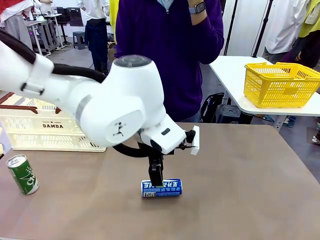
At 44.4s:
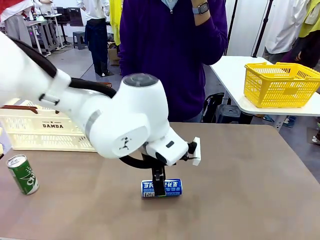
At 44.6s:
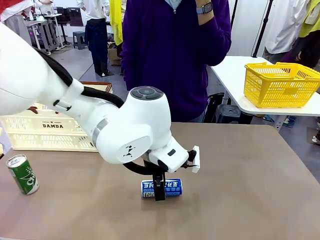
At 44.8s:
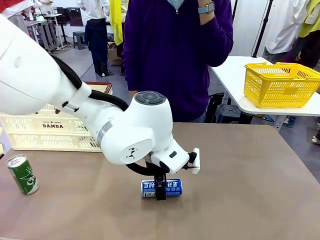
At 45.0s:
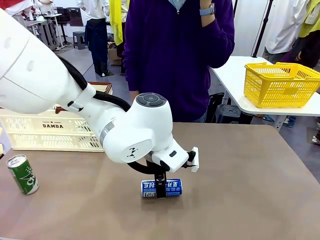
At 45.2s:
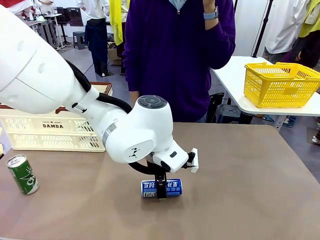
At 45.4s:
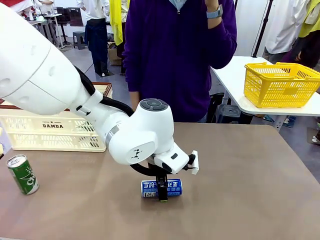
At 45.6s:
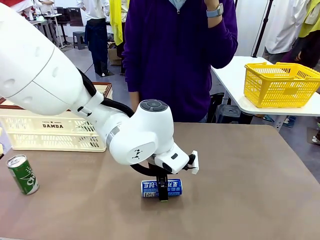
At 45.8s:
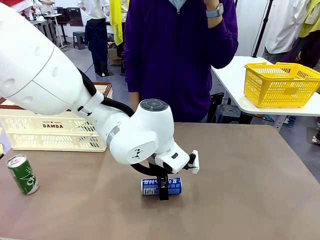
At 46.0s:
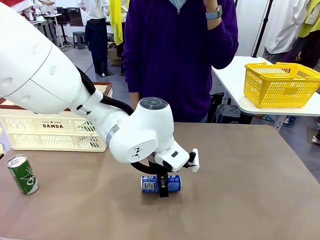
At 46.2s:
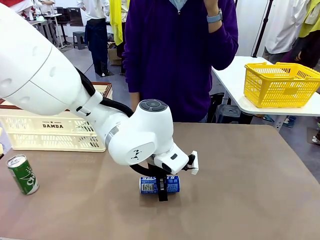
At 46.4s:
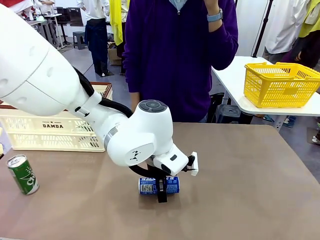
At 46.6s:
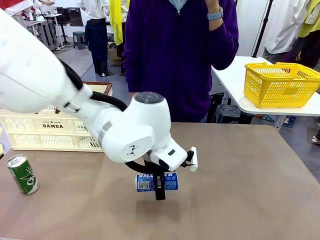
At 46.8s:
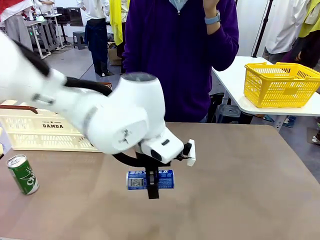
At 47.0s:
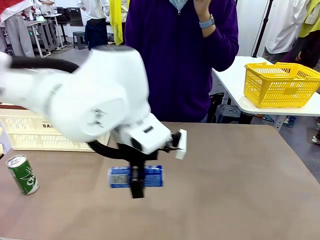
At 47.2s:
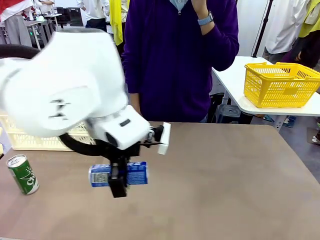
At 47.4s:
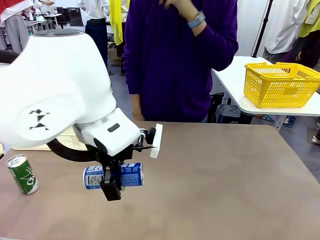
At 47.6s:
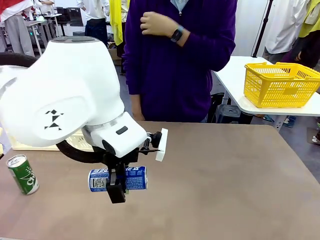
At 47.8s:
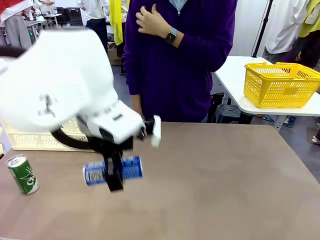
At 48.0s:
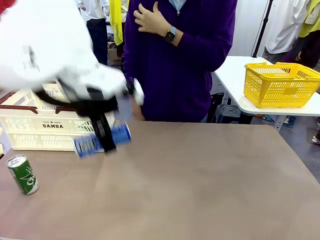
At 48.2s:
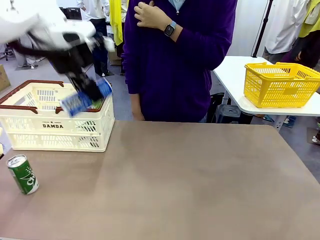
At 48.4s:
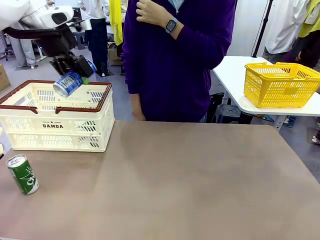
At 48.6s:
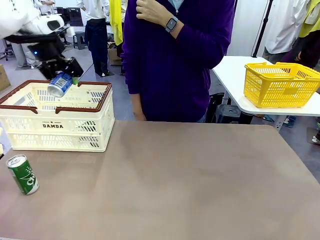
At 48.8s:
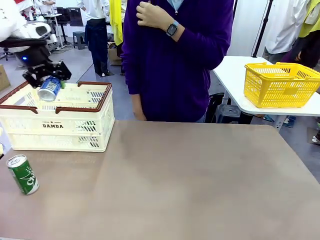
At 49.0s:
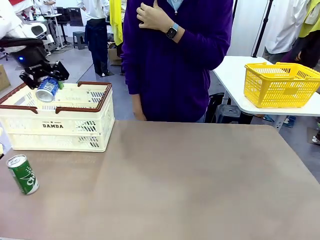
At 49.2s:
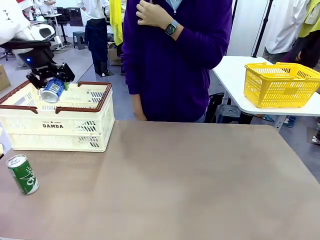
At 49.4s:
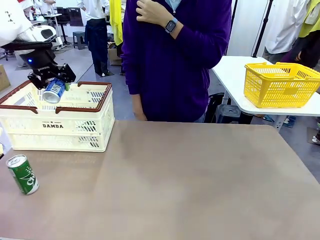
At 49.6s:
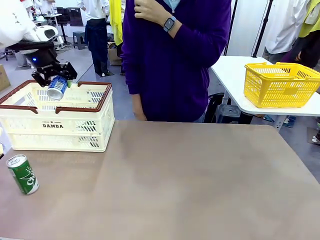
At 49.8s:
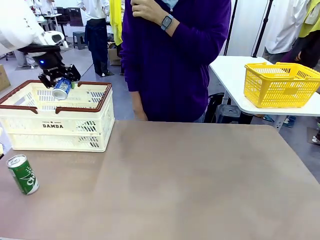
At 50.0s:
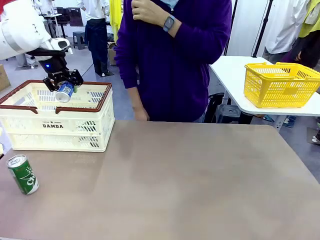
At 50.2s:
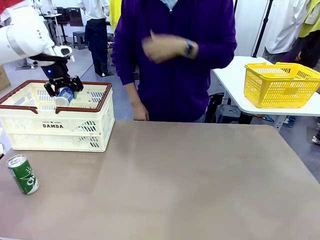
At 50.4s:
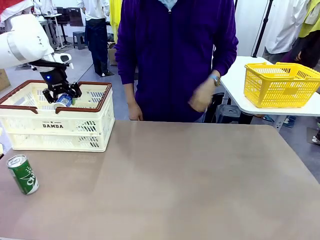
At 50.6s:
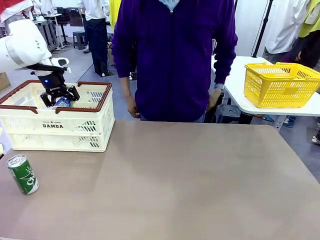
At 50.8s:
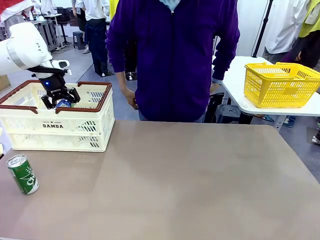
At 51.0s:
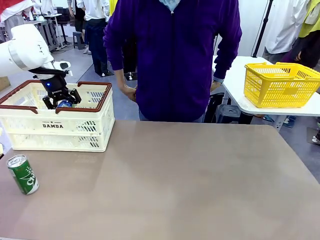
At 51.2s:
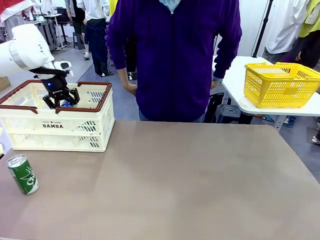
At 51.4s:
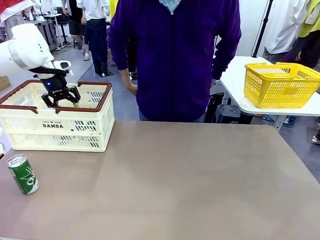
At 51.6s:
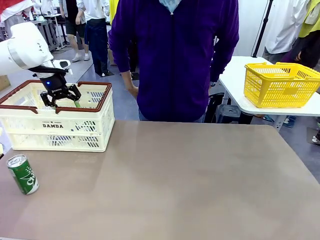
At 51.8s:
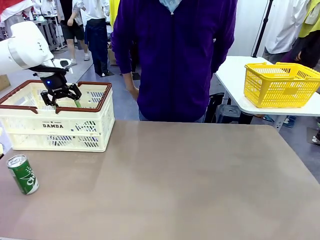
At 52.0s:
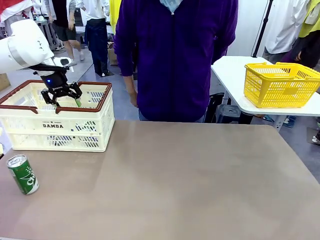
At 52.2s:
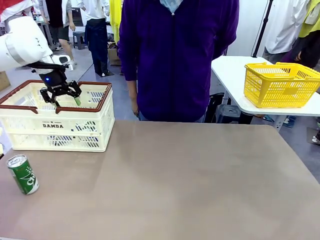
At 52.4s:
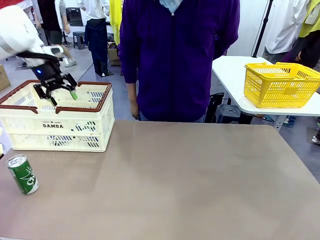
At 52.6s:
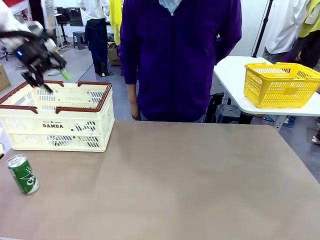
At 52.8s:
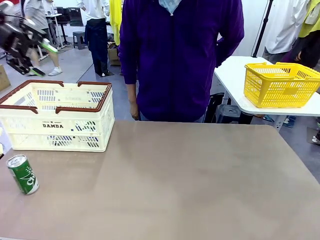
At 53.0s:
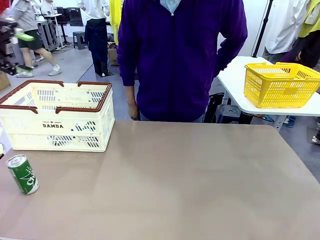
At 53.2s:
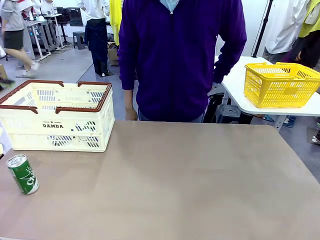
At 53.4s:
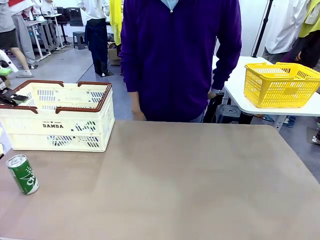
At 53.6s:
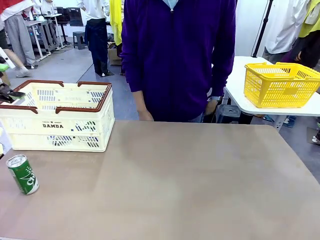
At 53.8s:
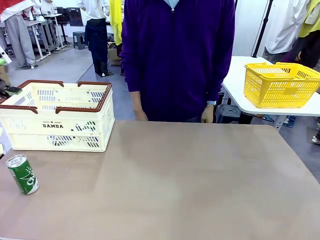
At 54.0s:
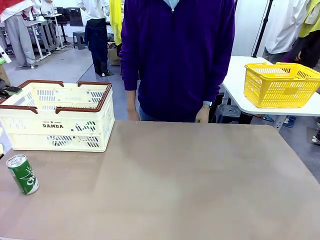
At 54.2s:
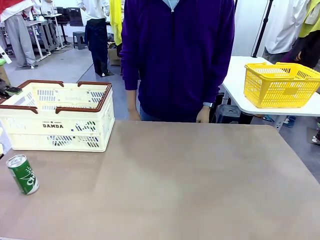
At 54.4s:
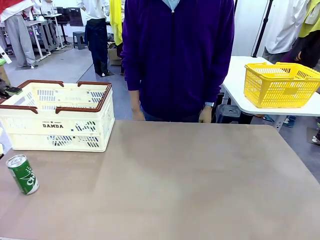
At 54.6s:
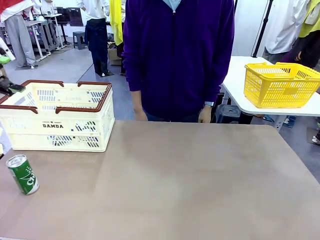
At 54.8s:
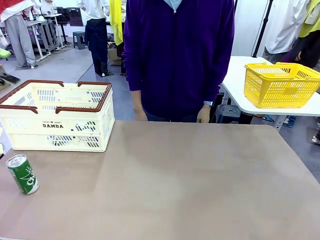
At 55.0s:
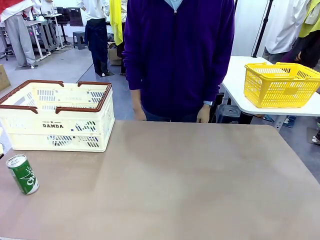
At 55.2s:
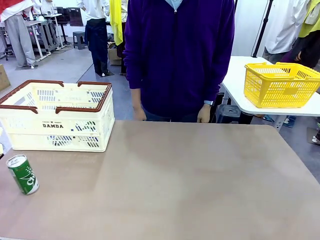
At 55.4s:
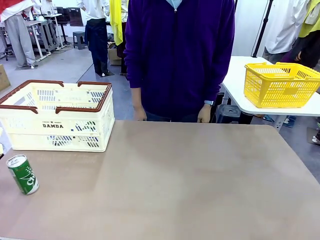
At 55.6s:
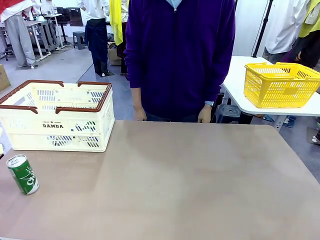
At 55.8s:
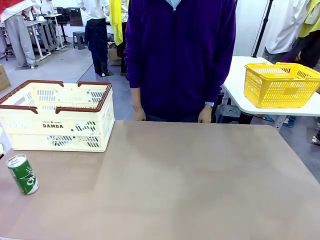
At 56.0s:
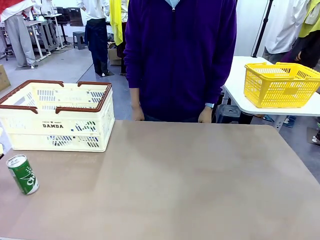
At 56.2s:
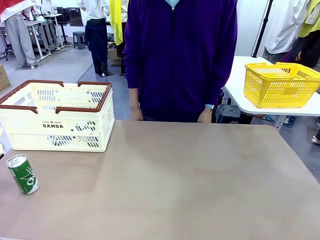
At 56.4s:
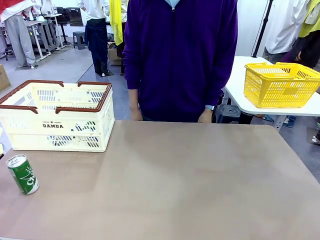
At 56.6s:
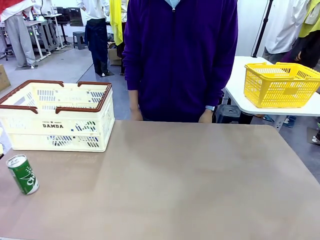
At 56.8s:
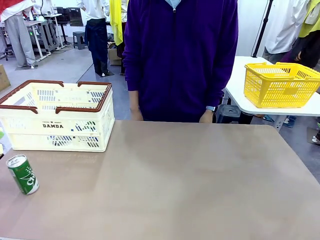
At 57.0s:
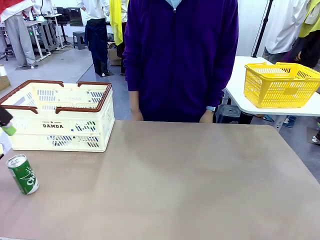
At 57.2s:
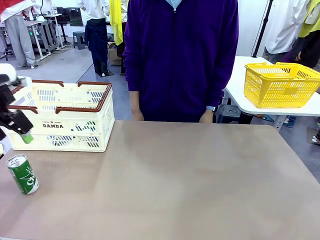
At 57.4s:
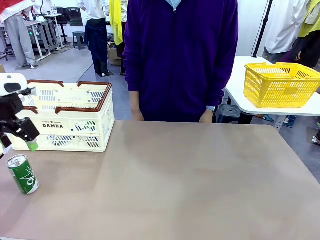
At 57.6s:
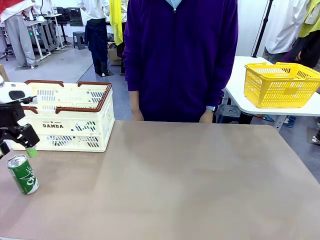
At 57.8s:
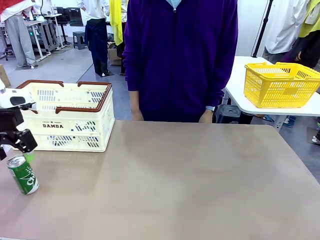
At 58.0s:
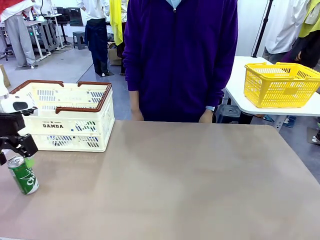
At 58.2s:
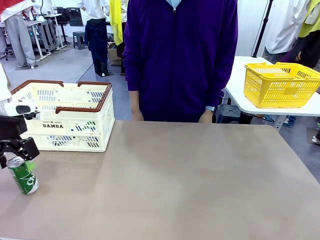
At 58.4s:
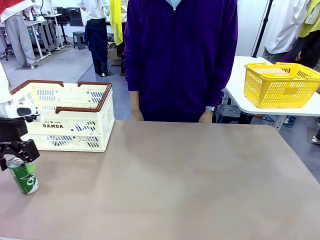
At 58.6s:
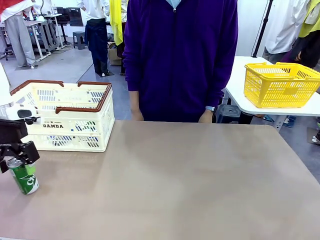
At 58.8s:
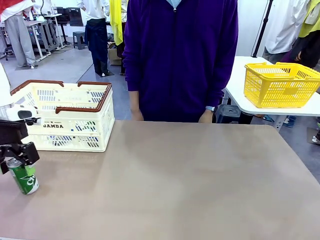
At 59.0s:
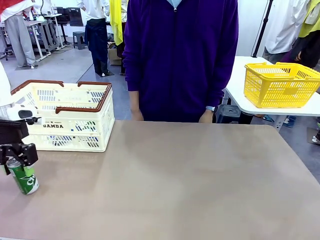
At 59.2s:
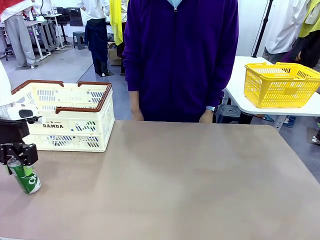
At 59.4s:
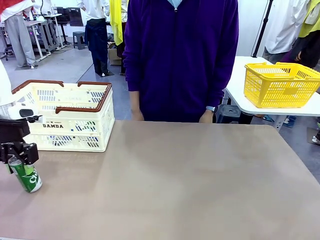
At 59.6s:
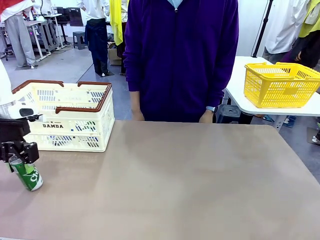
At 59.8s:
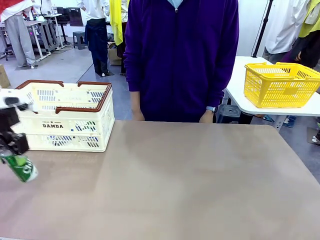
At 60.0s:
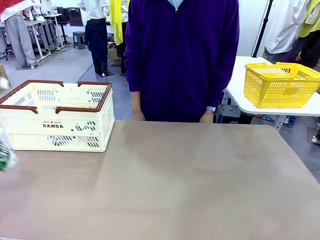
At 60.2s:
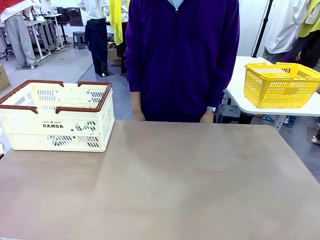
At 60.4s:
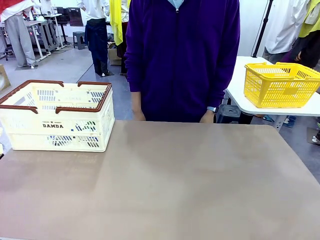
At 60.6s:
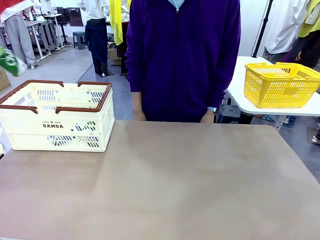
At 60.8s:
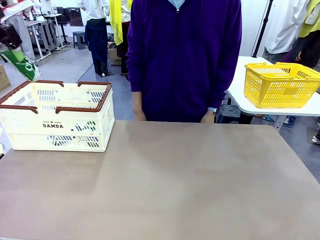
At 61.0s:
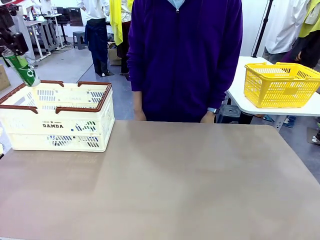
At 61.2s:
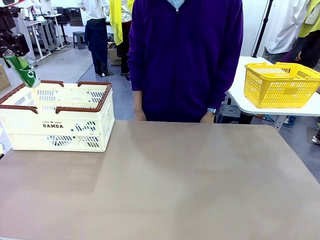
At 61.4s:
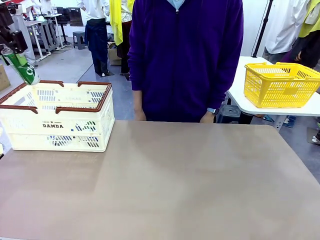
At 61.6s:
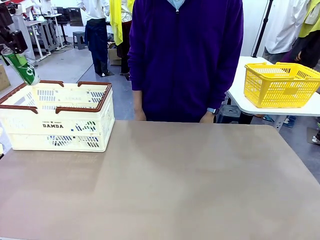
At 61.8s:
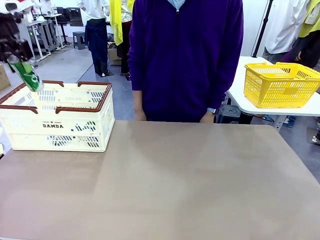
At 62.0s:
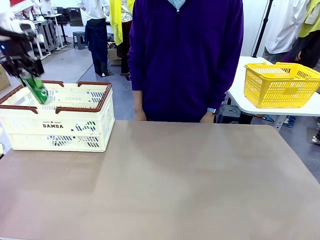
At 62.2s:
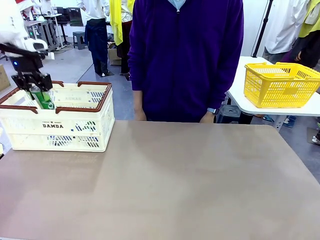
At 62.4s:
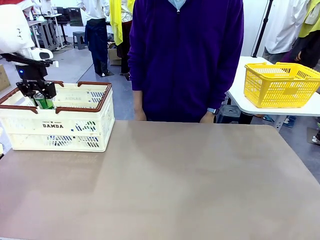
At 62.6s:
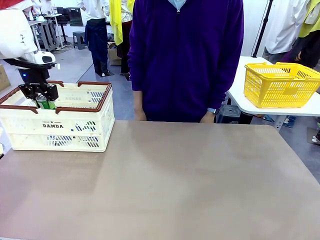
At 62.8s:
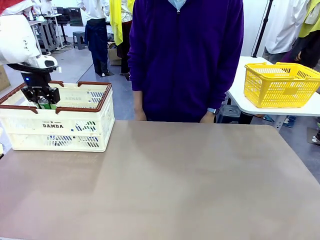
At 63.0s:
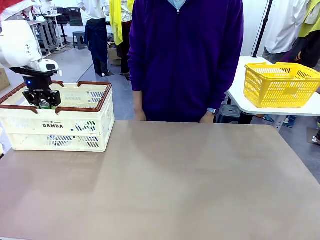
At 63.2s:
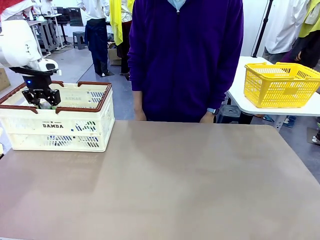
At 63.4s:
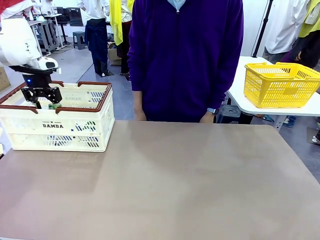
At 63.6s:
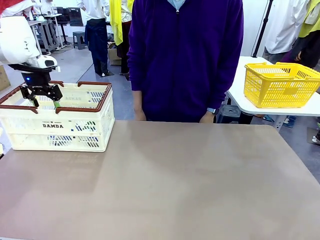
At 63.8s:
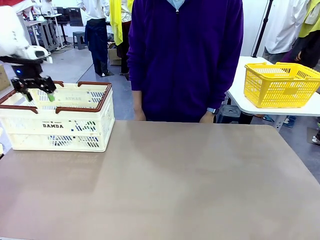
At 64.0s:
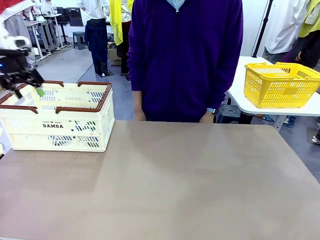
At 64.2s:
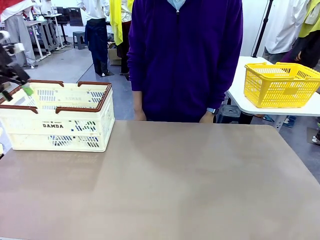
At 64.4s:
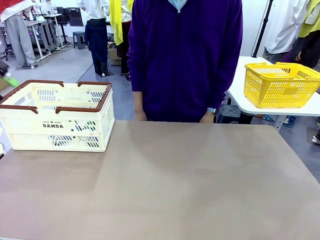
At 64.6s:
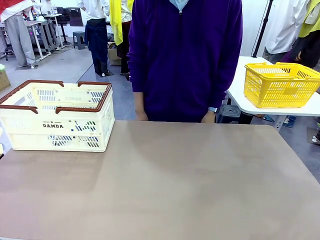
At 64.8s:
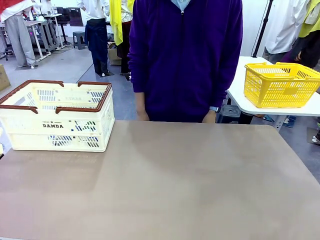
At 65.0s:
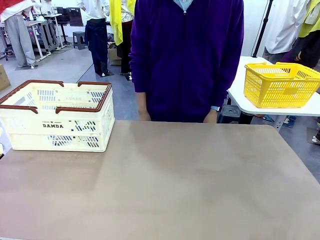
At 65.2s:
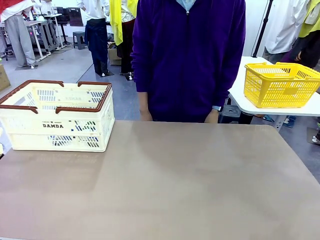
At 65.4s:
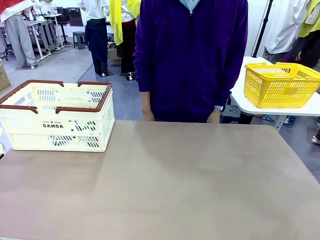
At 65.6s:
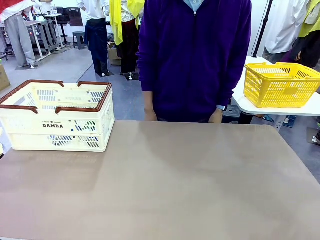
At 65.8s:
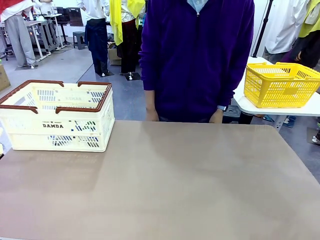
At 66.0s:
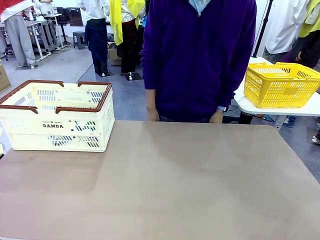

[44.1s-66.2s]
Task: Place the drinks into the Shopping basket.
Robot: Pick up one drink and place it into the Shopping basket.
